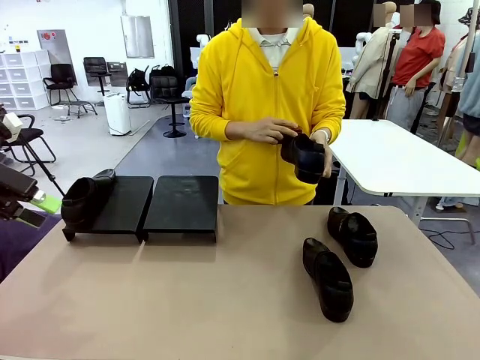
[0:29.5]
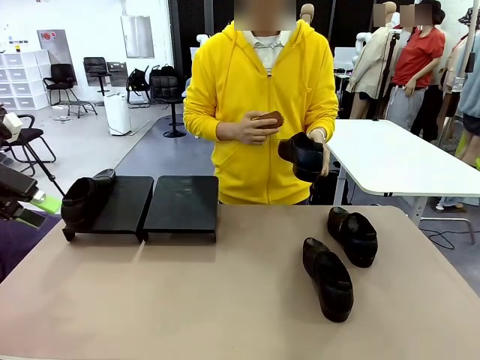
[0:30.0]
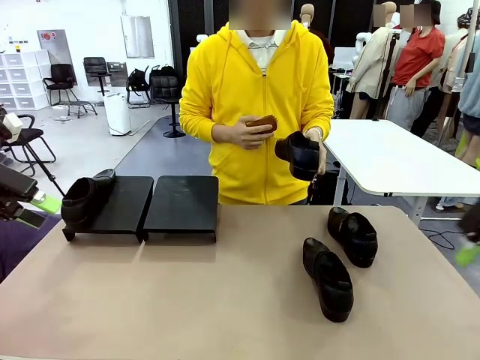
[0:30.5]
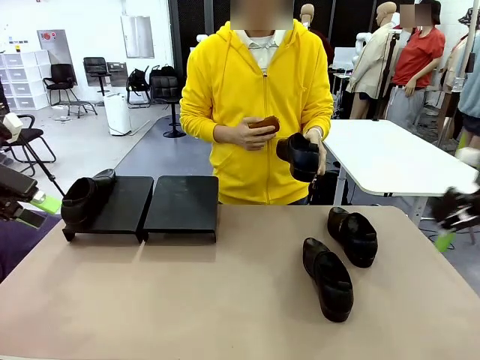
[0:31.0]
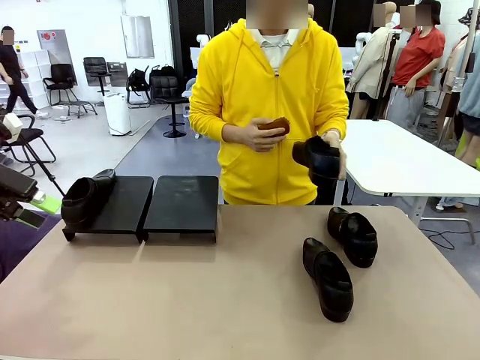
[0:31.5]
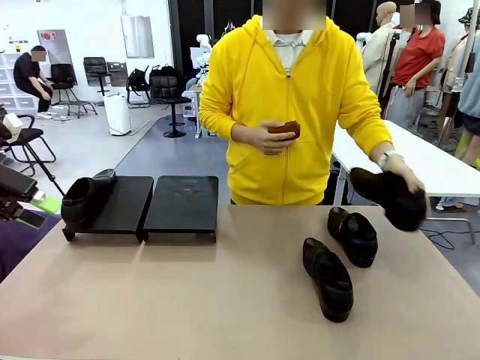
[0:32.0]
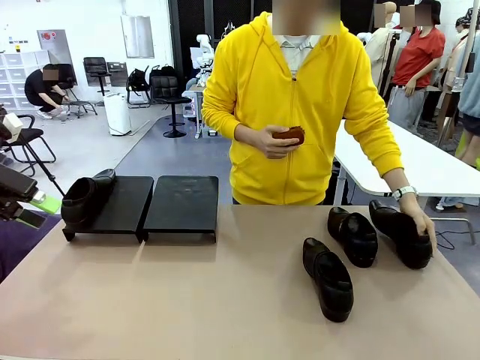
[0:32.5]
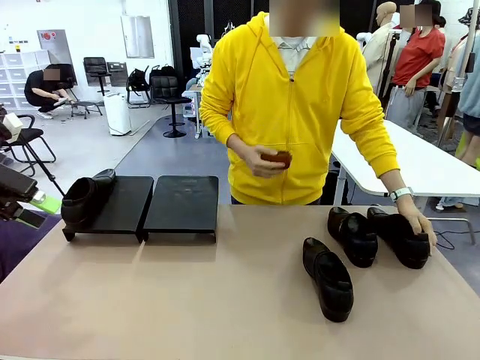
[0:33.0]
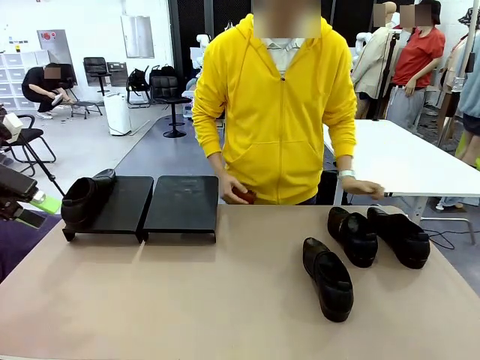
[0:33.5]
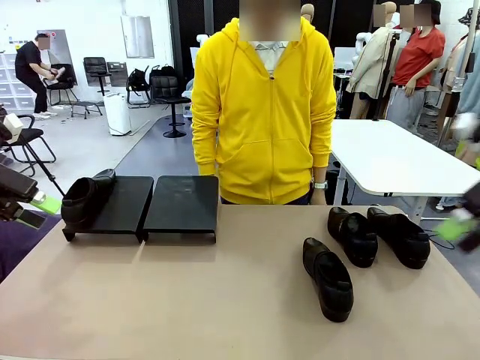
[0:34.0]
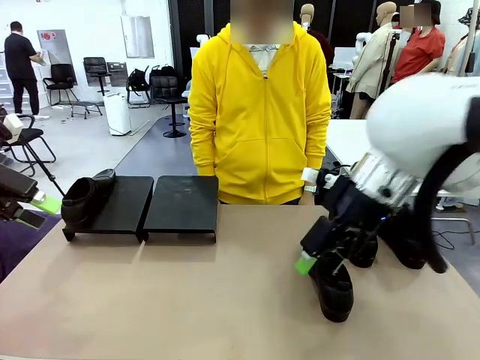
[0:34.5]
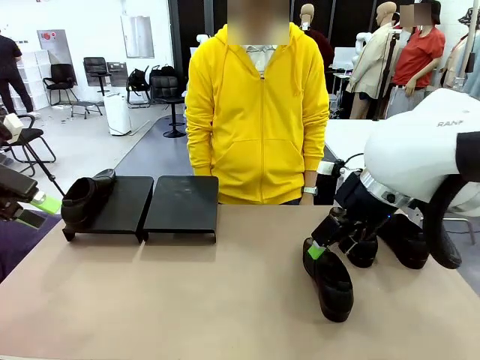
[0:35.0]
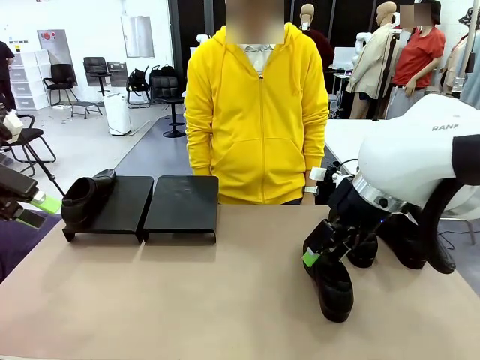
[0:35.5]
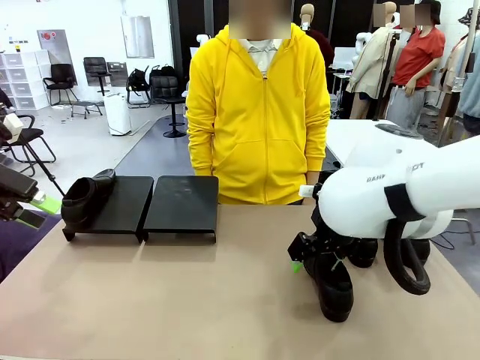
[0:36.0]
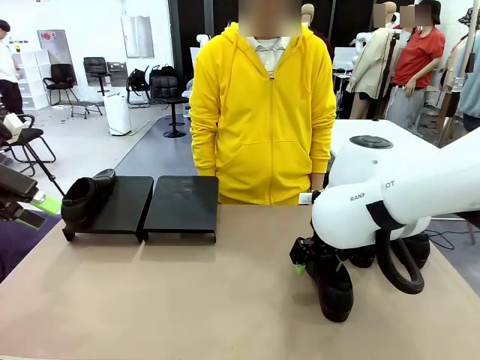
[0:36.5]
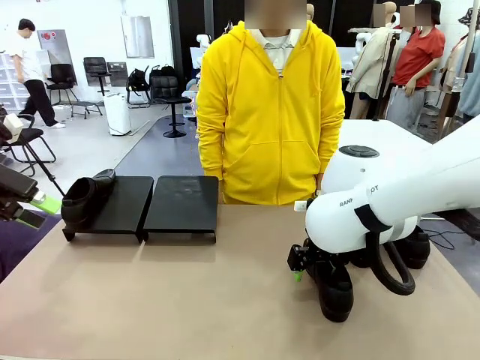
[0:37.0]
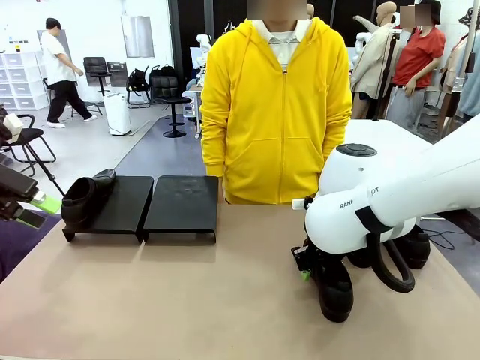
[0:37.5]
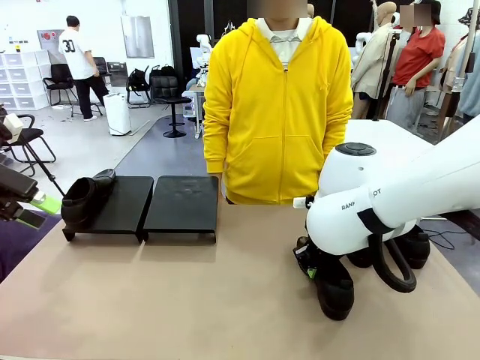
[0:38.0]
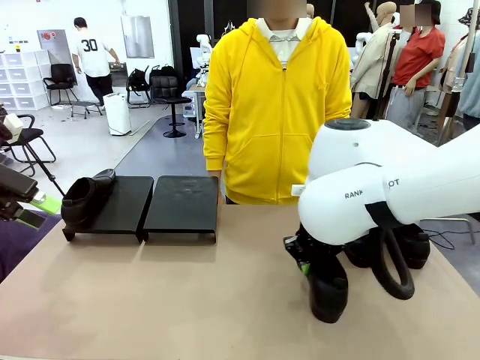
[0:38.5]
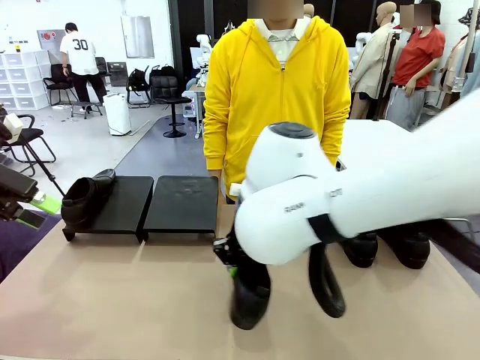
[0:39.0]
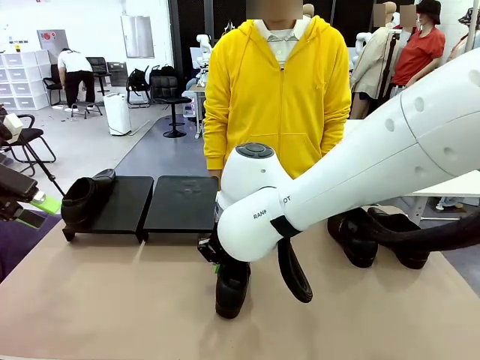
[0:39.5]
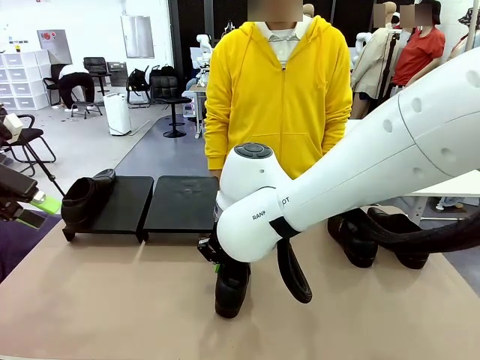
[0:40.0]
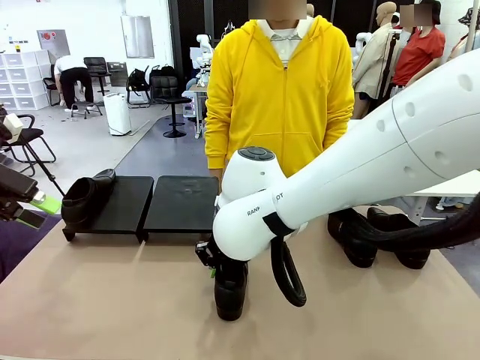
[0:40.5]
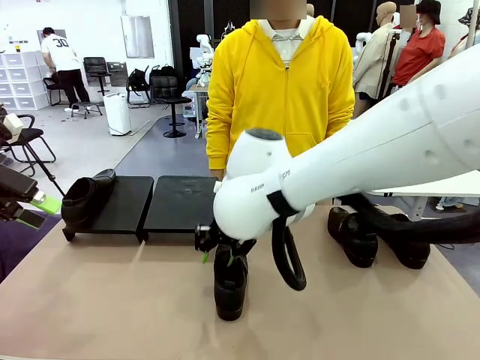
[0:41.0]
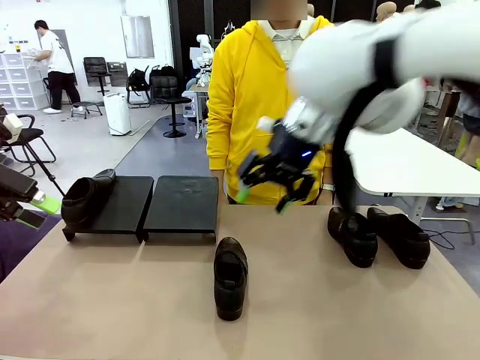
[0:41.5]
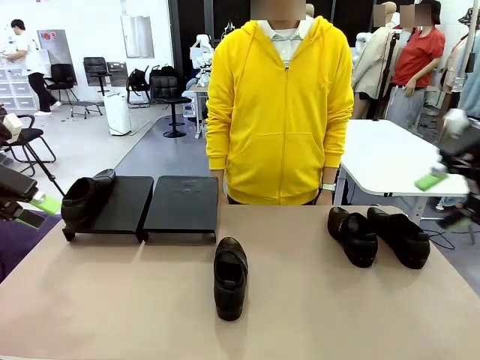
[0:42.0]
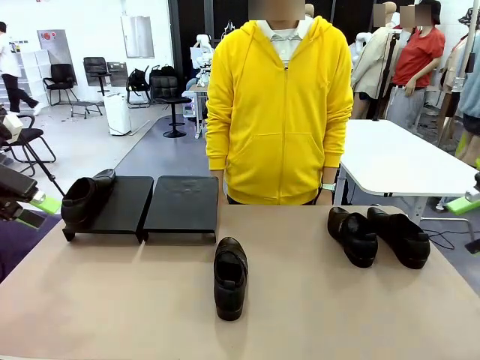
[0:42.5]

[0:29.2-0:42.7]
Task: Organize the shoes by placing them on the stand.
Robot: Pick up one Shoe and place it in the middle of the table.

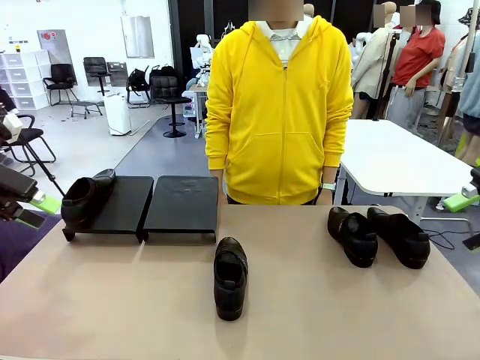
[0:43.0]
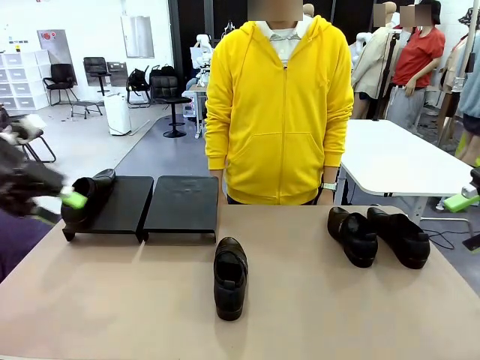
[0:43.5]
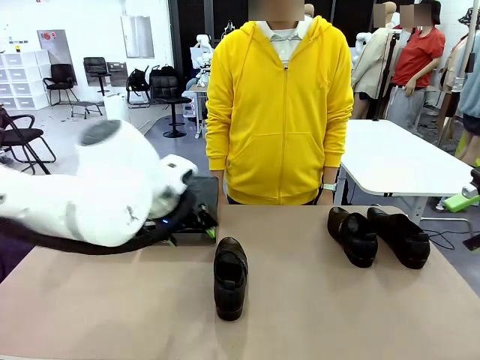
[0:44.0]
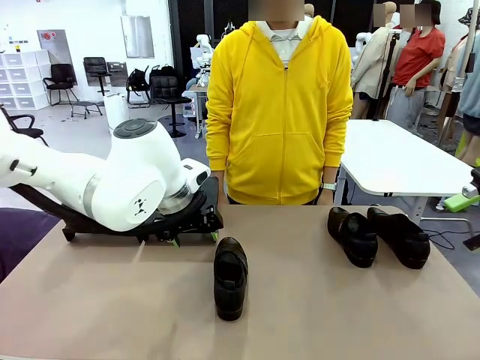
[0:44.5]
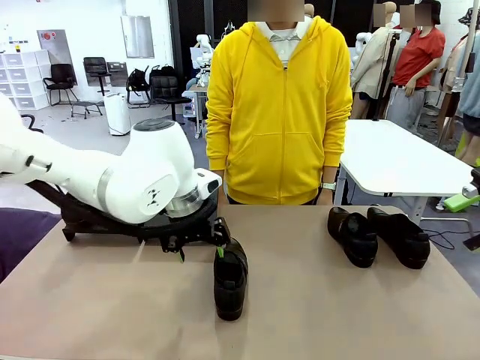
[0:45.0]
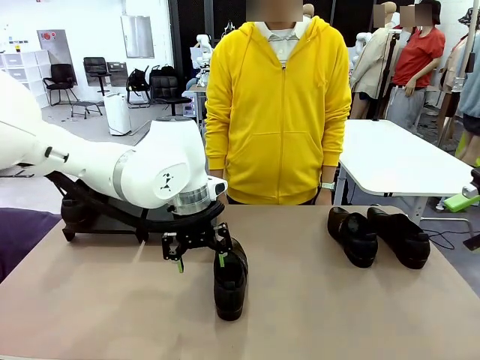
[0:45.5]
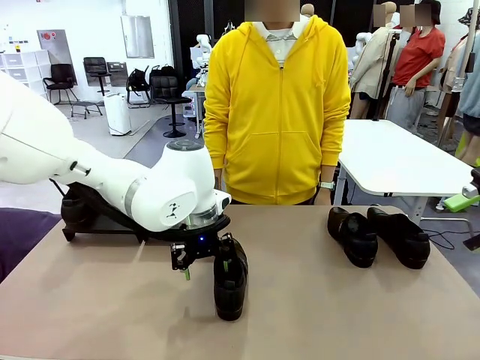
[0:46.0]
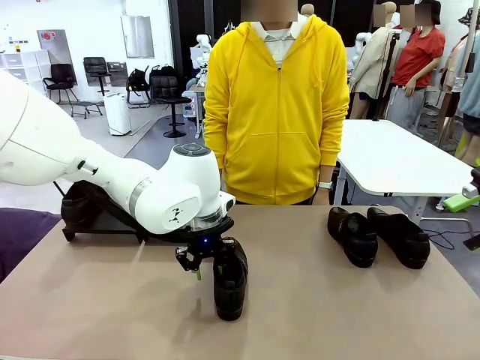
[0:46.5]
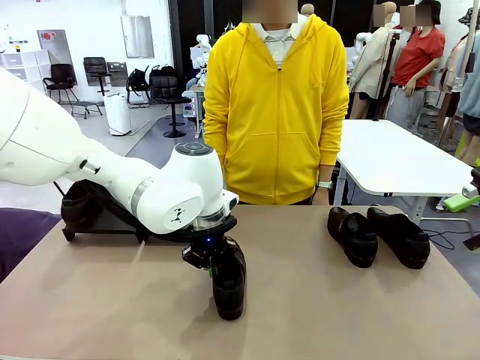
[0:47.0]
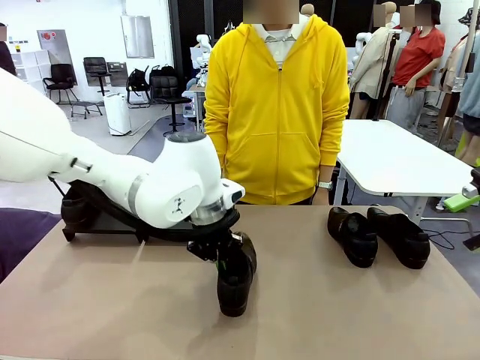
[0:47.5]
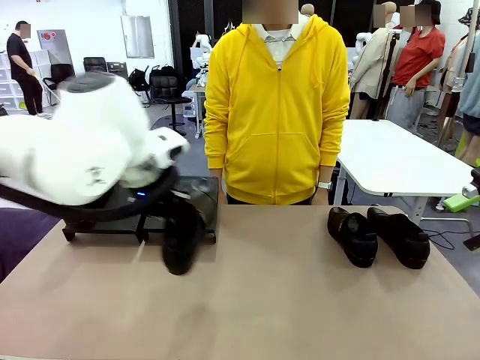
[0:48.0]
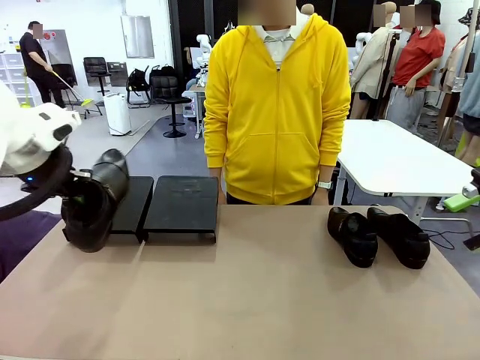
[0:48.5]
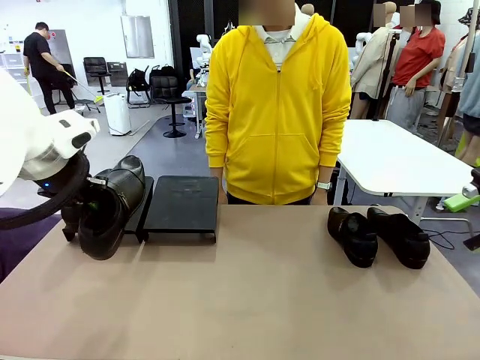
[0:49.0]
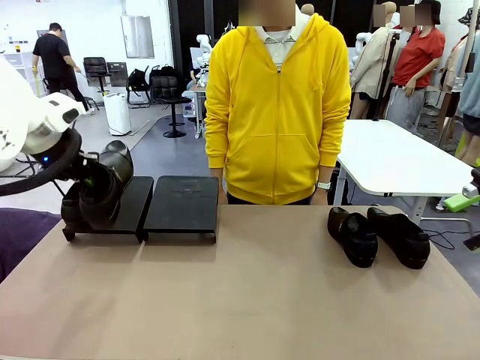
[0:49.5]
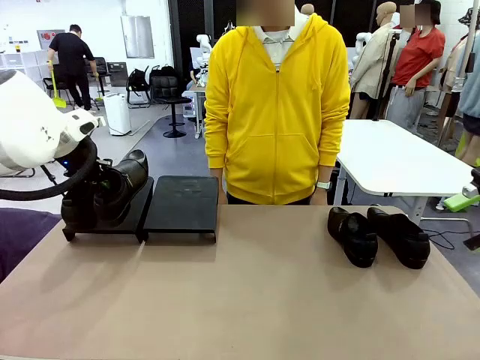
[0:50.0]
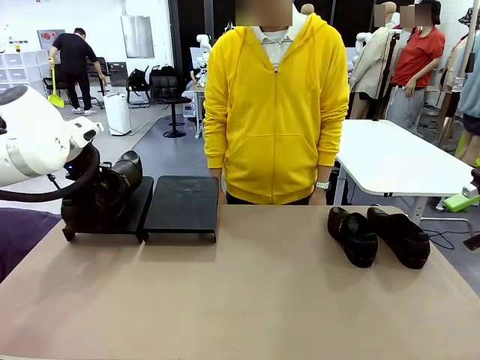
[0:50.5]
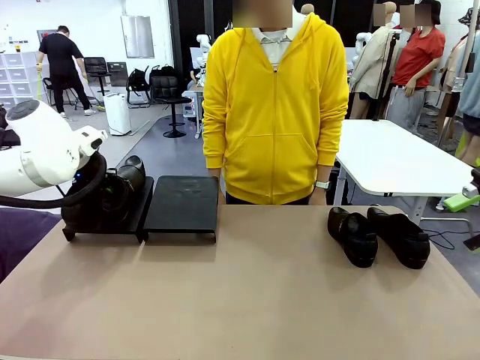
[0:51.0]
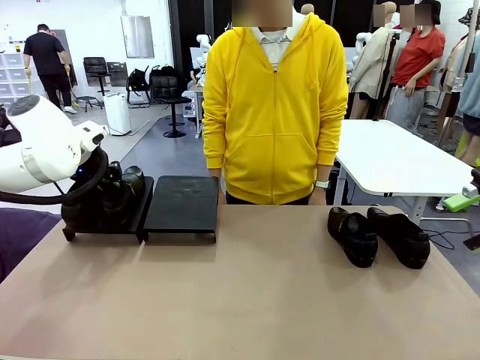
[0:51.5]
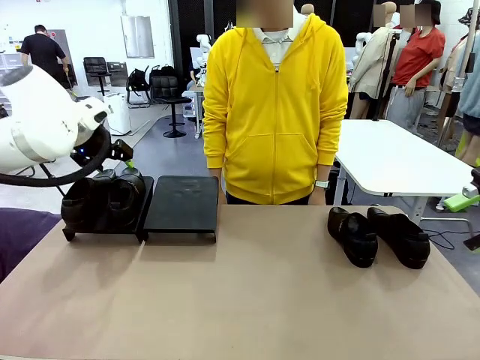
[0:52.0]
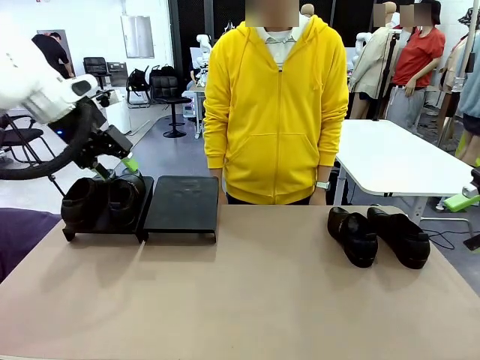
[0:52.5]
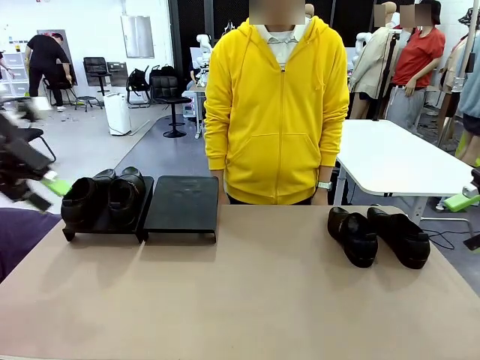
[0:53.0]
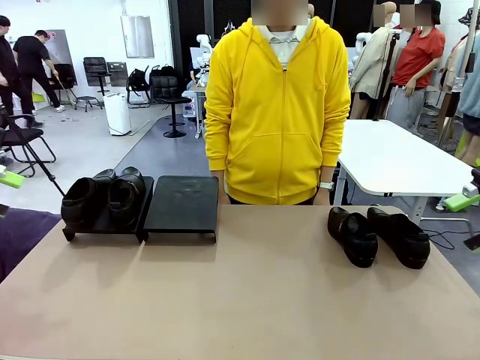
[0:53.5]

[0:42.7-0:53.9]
Robot: Place the Shoe from the middle of the table onto the Shoes Stand.
